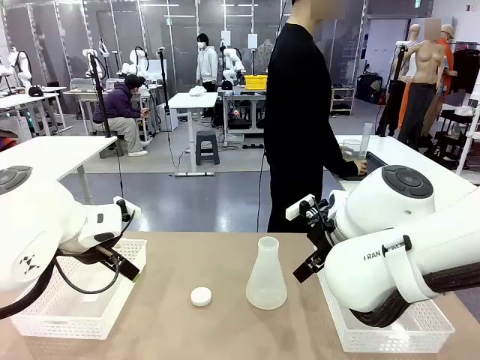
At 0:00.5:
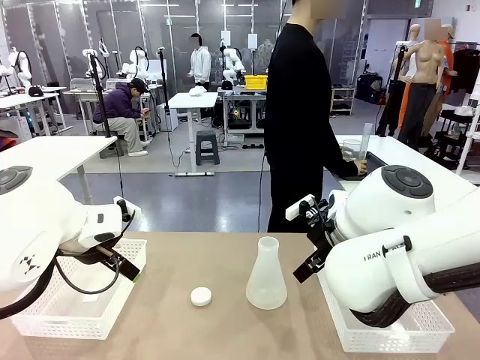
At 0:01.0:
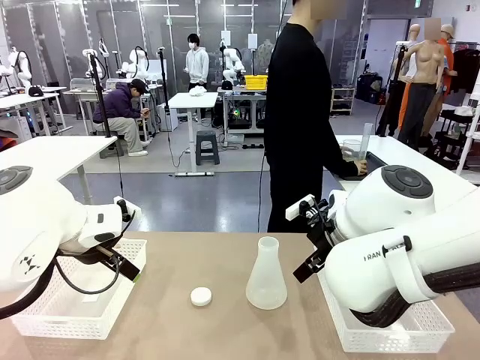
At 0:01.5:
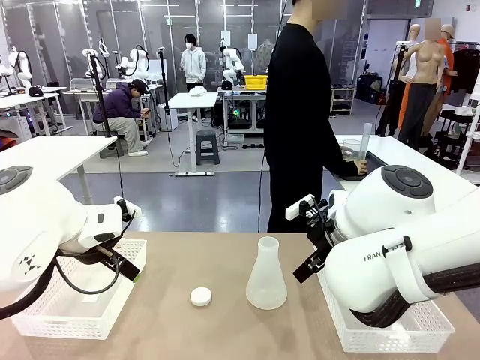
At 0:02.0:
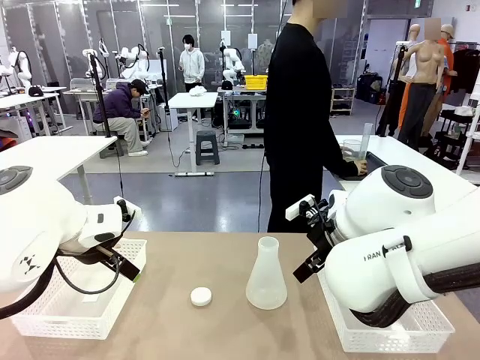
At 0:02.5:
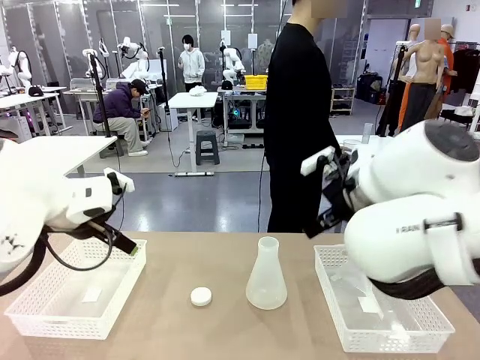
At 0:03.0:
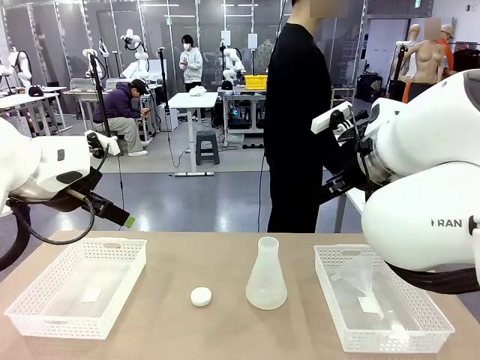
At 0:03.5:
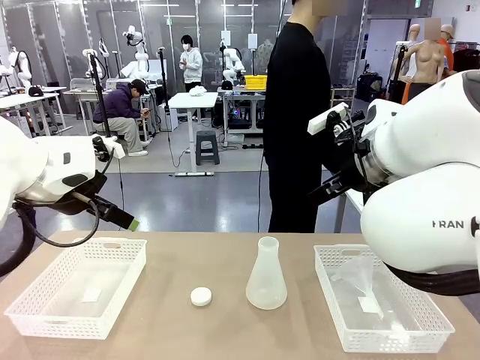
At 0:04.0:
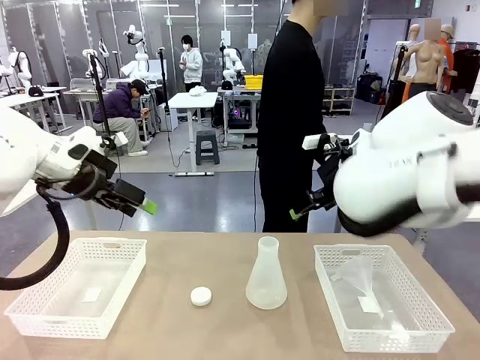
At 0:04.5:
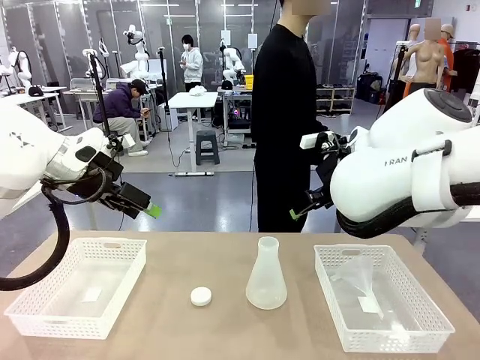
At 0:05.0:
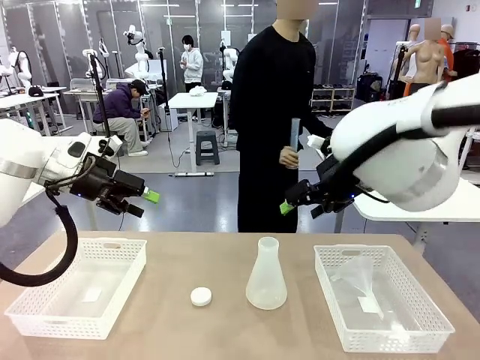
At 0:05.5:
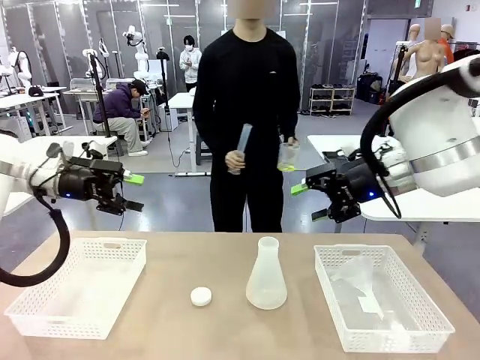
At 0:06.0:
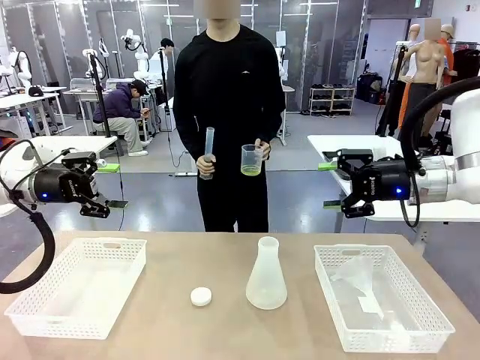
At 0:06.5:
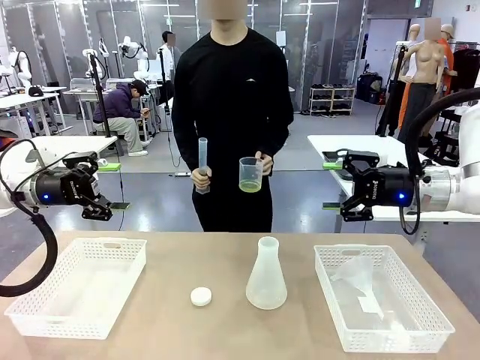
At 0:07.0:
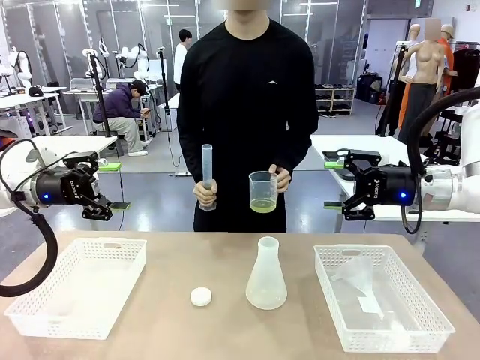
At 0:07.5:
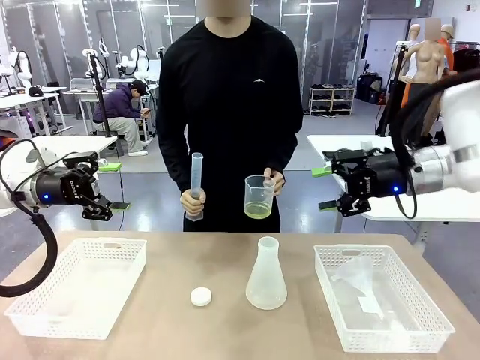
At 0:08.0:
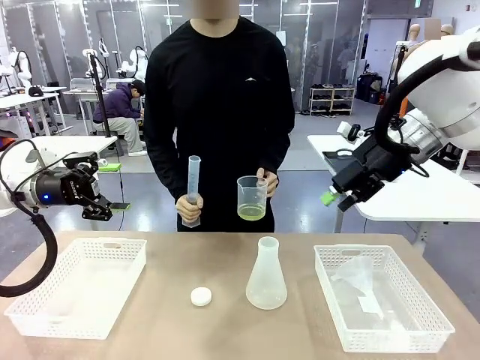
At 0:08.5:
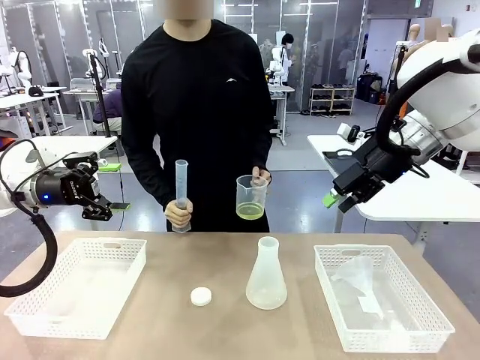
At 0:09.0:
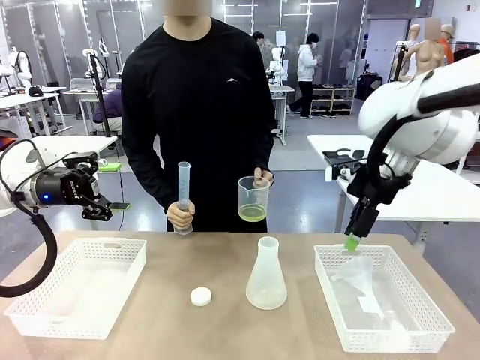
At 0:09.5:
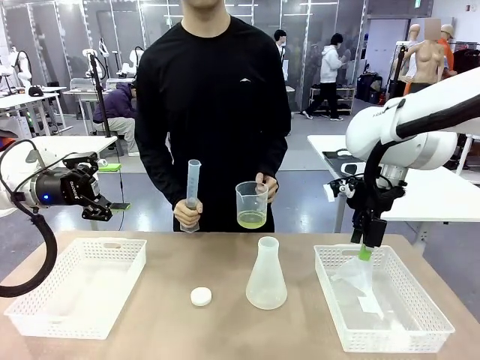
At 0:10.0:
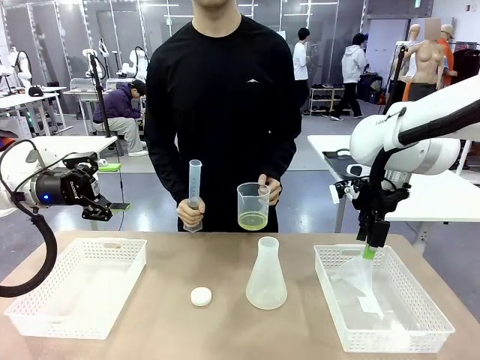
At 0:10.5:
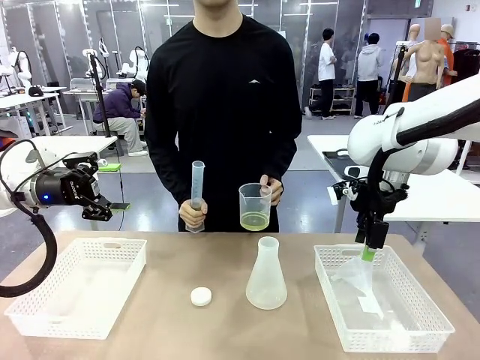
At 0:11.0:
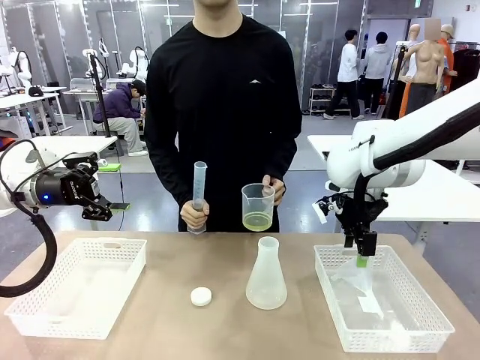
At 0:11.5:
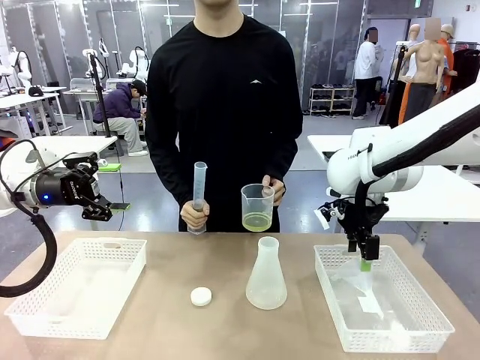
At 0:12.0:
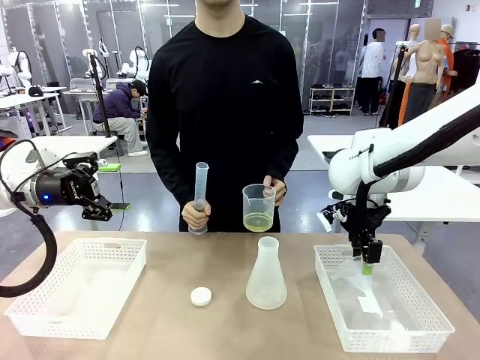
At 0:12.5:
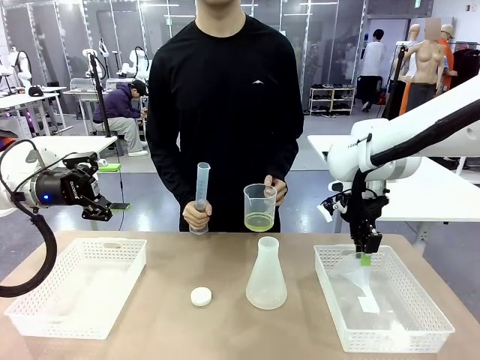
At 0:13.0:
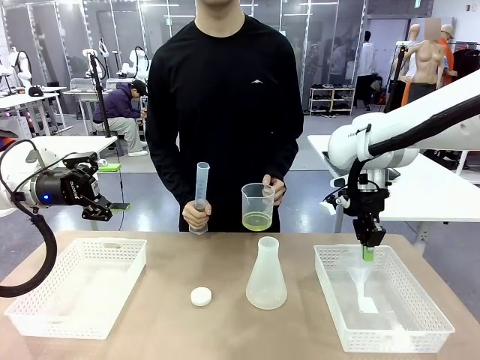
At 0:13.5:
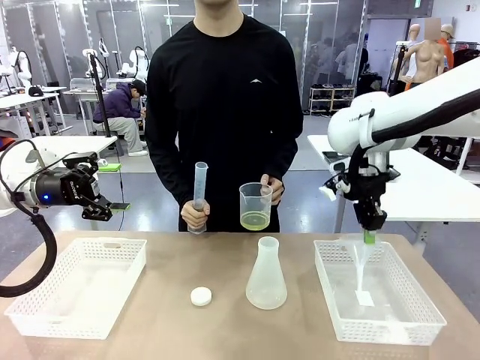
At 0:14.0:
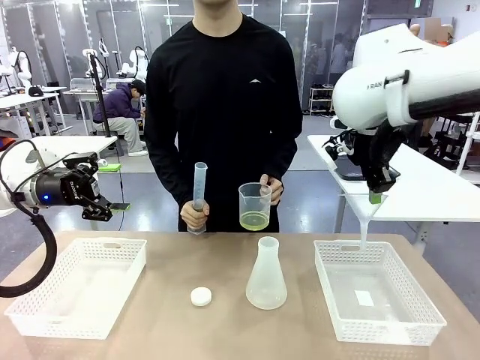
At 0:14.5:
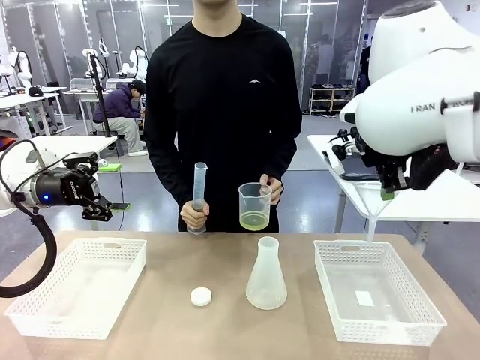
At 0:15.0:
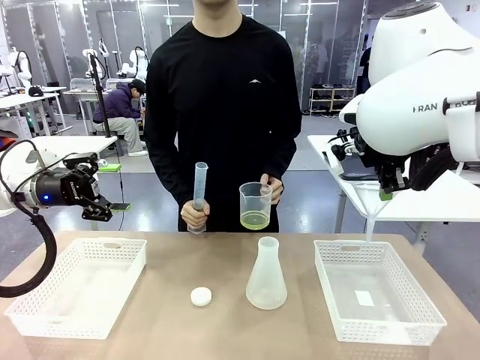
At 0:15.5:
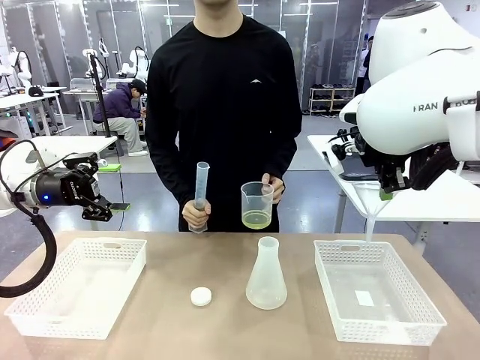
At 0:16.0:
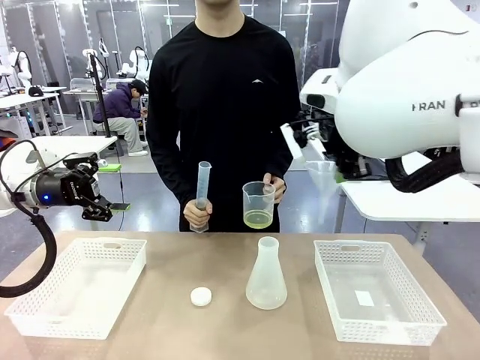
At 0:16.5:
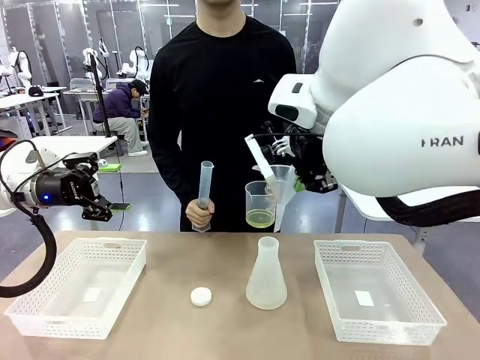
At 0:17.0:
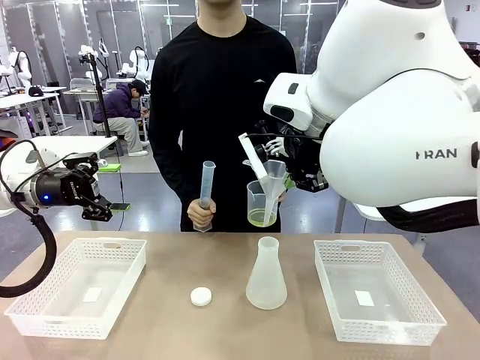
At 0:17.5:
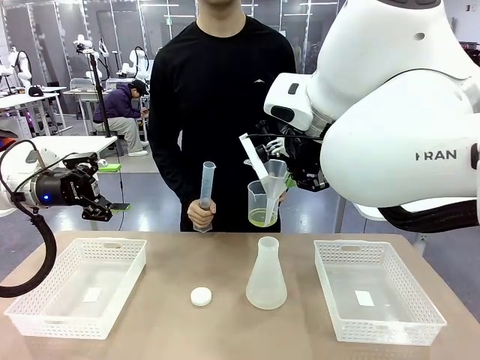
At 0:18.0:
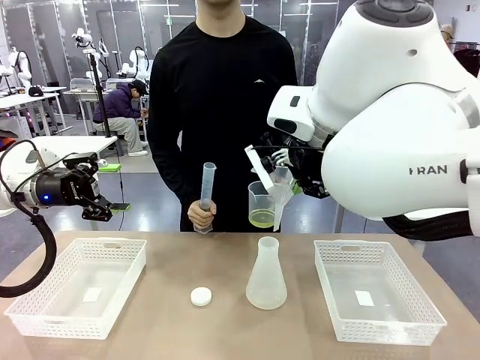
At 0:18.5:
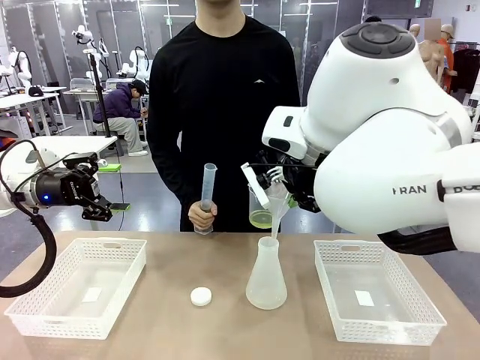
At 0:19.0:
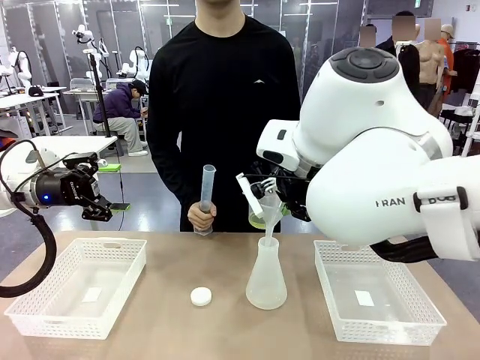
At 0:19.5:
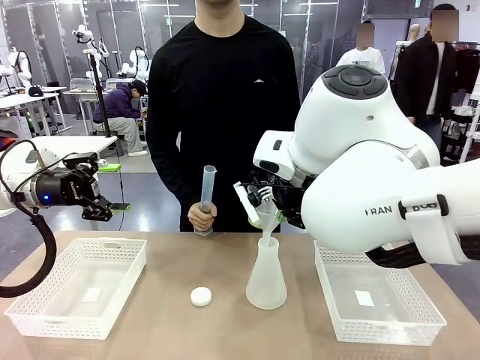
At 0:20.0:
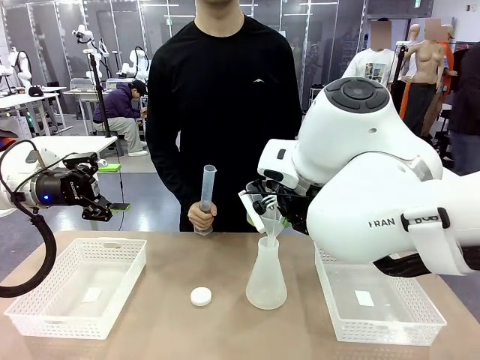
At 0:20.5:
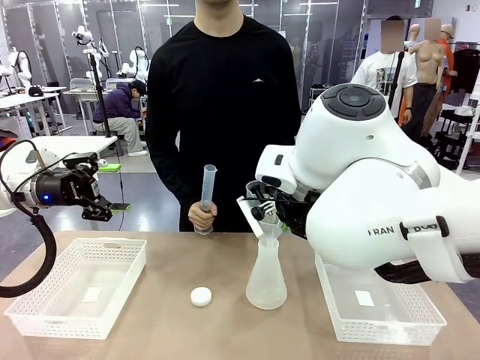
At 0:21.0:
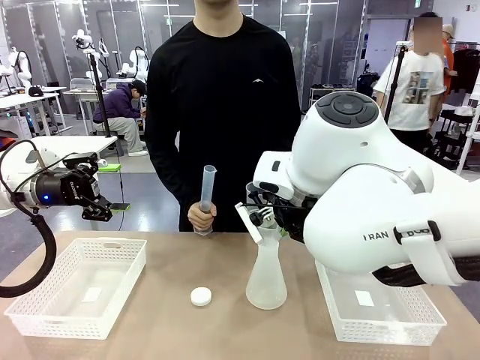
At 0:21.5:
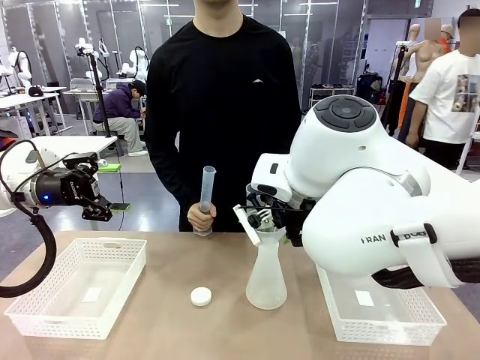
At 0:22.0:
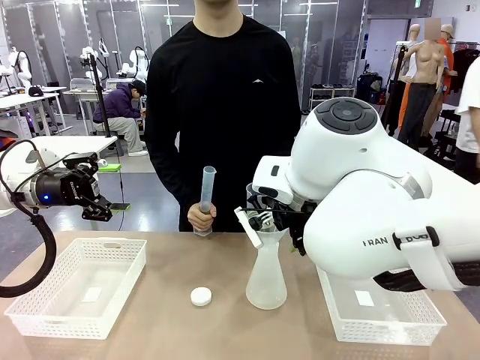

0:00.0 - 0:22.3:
Task: Prepare the solutions needed for the experiment.
Robot: Pick up the Plastic Funnel and insert it into the Big flask.
Person: Pick up the beaker and the cylinder and move to the middle of the robot table. Pour the solution from the beaker and the cylinder into the flask.
